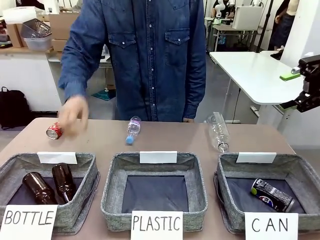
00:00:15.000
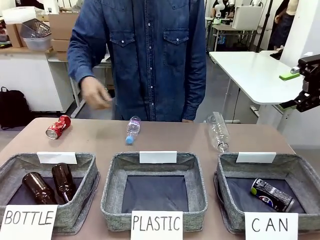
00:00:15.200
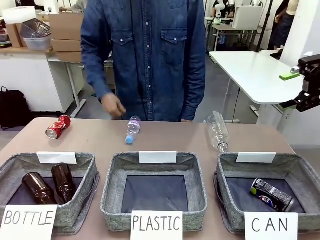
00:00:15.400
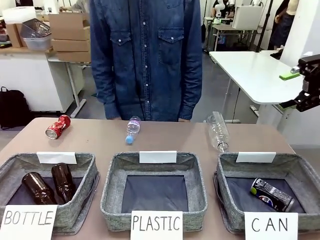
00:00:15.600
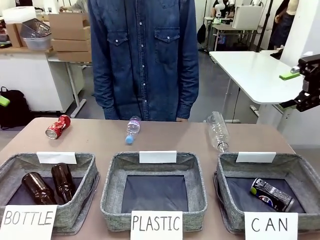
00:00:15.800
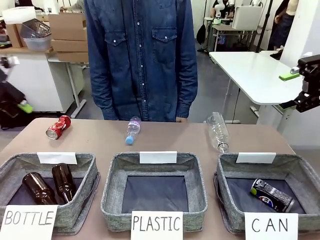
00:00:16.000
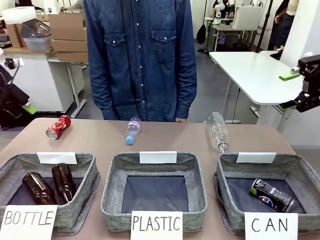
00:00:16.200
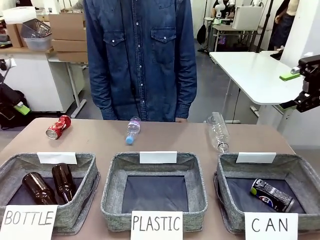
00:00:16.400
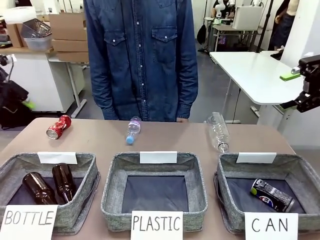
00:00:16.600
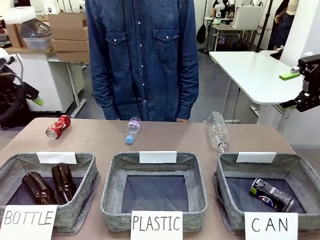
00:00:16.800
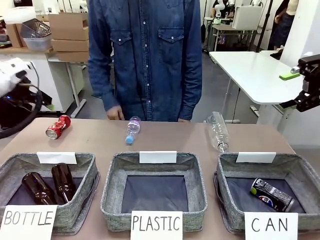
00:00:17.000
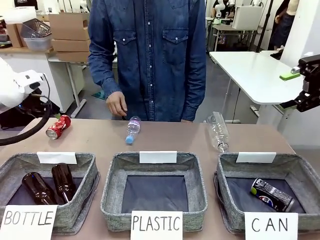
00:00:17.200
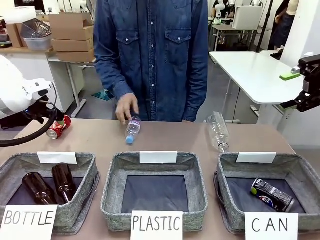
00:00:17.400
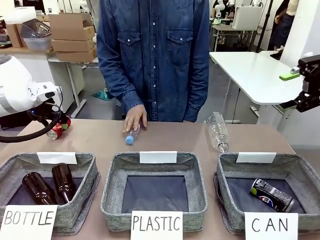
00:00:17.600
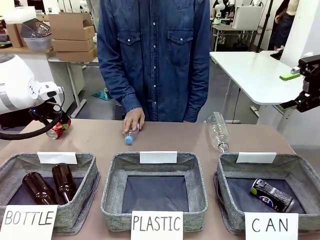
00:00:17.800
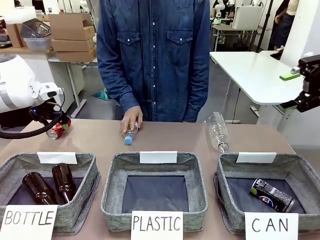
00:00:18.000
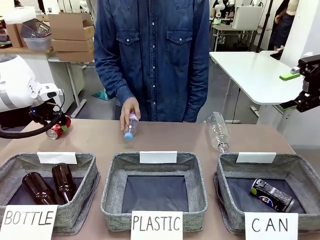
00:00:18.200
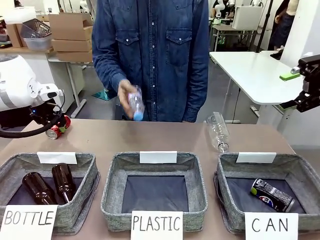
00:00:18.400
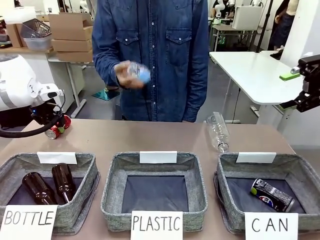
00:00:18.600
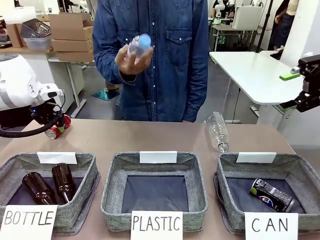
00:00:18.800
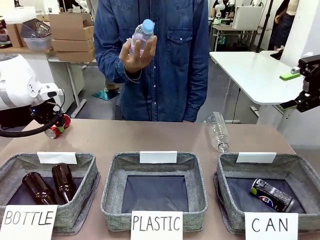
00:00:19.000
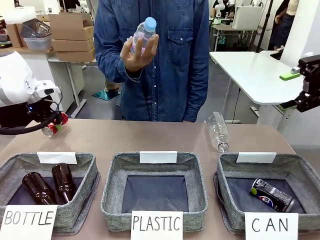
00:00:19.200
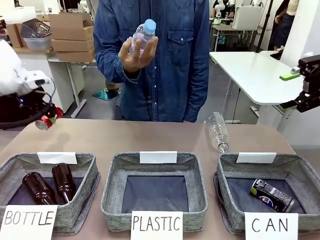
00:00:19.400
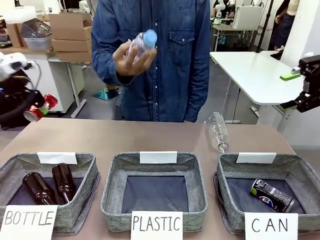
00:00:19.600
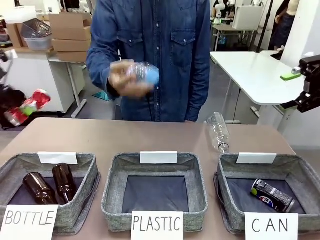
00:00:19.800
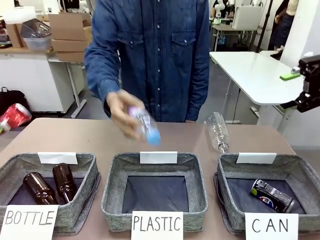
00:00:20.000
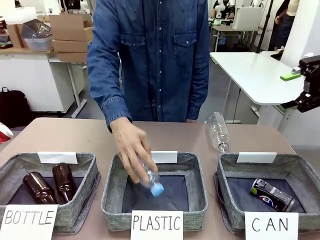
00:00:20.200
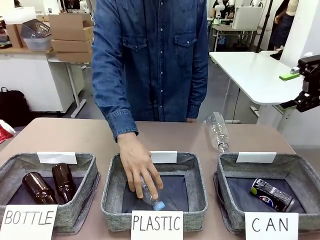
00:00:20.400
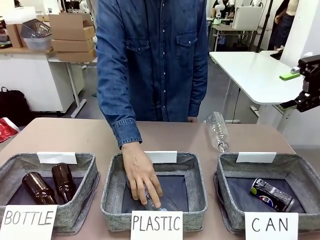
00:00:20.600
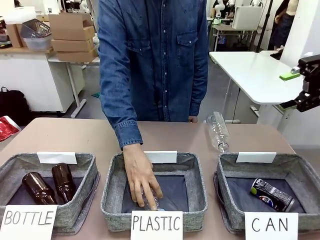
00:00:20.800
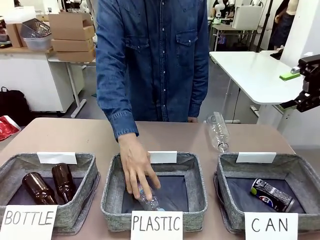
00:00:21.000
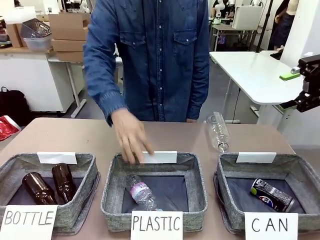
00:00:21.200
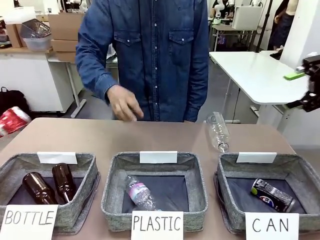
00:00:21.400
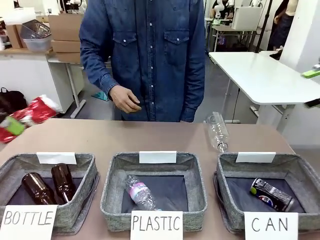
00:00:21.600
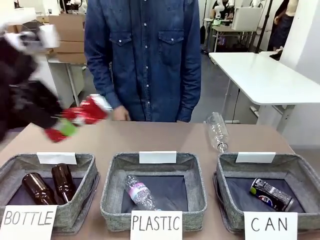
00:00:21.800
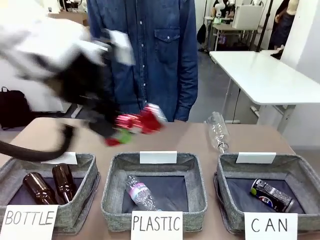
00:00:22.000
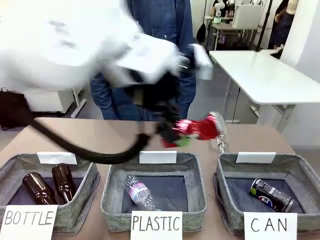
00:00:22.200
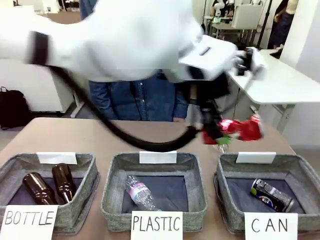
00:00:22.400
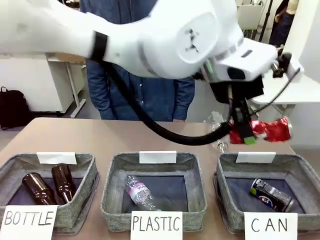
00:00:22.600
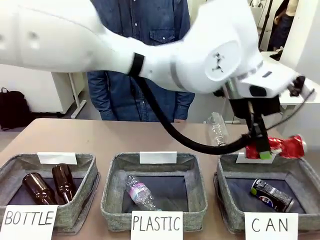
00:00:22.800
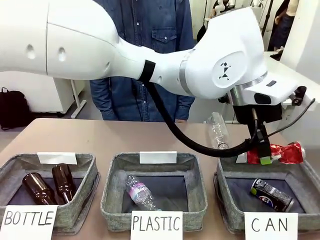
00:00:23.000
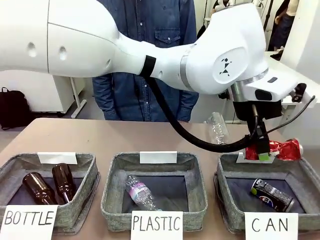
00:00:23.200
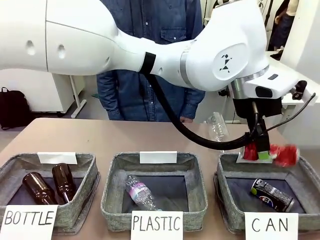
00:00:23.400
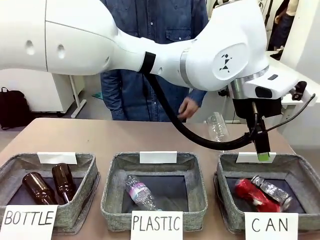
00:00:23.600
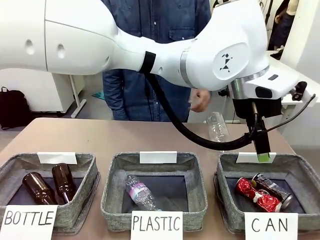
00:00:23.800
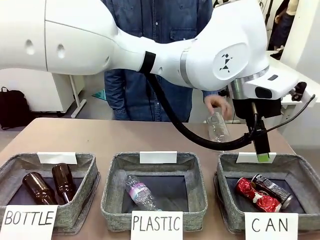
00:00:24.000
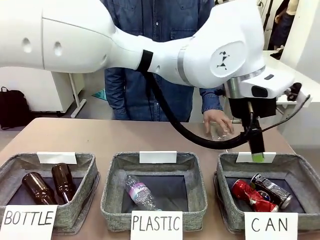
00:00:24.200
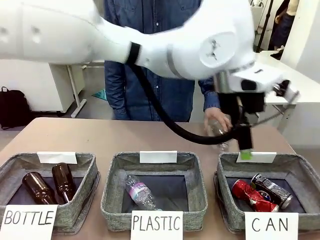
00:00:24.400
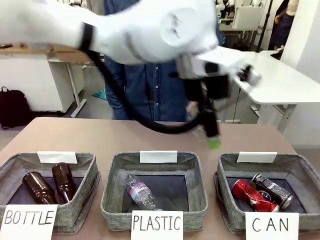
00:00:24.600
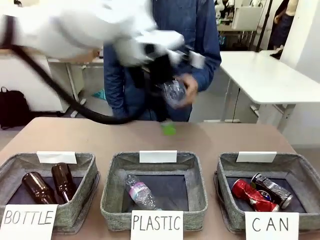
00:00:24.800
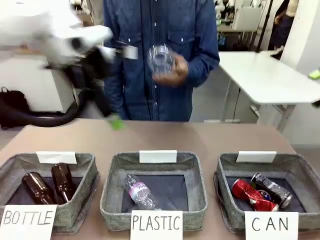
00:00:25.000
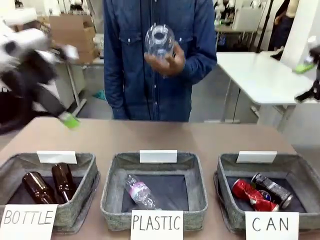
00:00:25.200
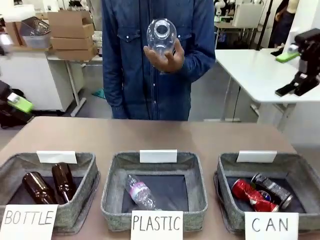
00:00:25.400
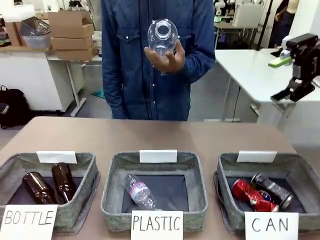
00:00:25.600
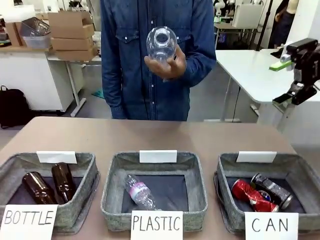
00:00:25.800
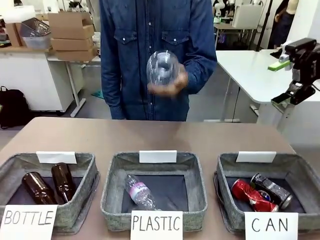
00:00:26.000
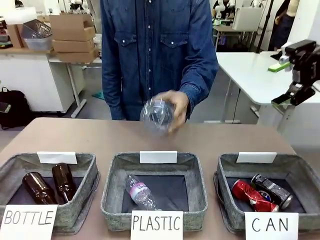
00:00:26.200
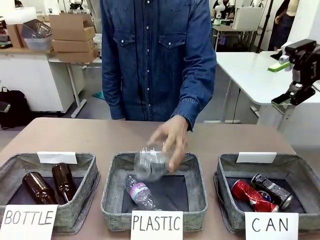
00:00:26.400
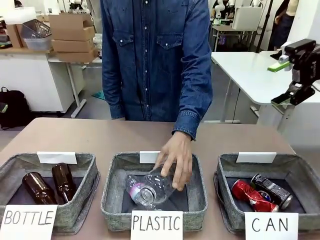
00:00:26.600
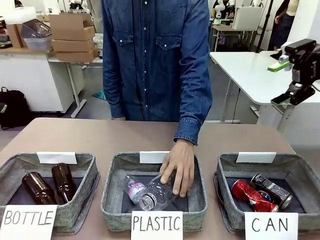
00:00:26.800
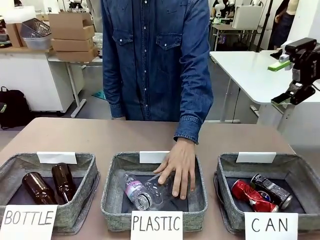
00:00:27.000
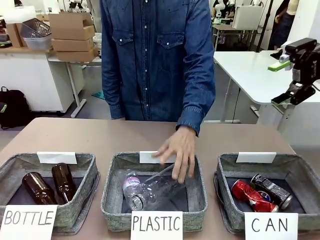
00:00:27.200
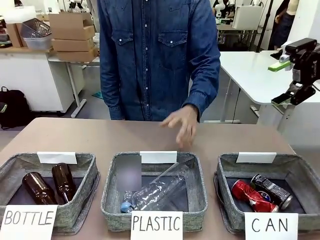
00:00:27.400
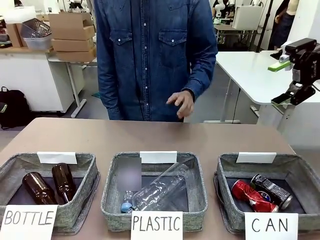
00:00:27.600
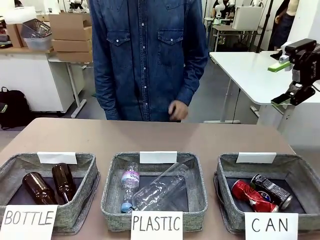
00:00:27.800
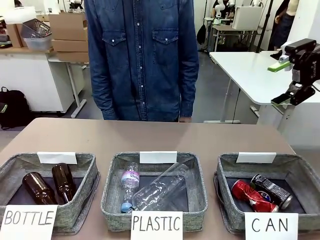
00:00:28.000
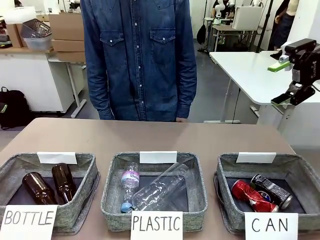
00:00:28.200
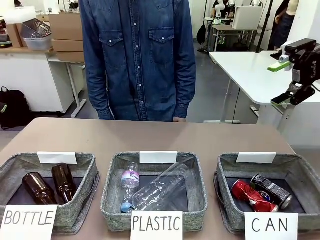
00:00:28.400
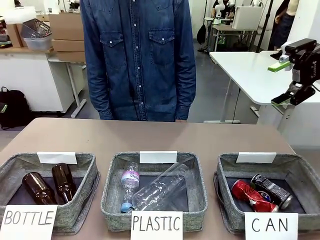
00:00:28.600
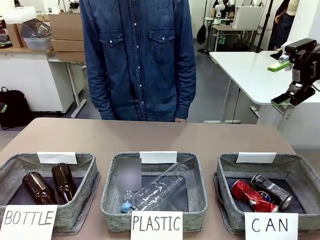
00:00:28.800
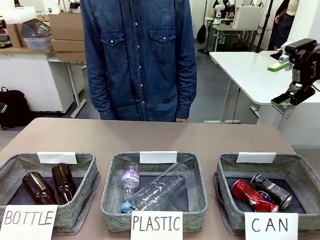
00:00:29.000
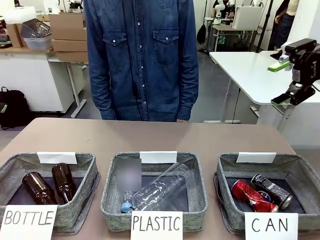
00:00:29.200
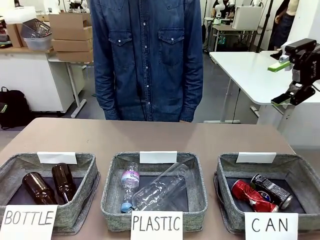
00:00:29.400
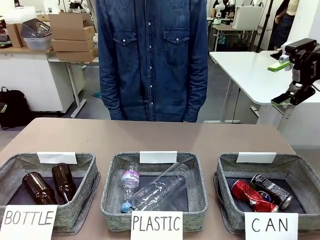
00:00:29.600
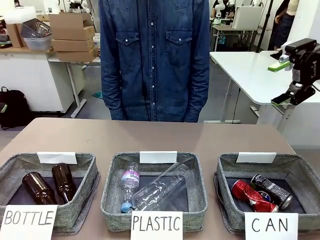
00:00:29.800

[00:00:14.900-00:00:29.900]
Task: Sort the can waste into the basket.
Robot: Pick up the can waste from the table and place it in the right Fabric basket.
Person: The human picks up one piece of trash that is not a can and places the trash into the appropriate organizing basket.

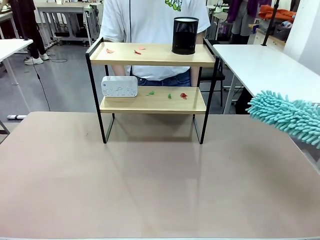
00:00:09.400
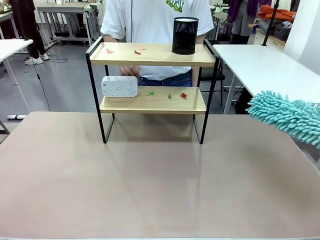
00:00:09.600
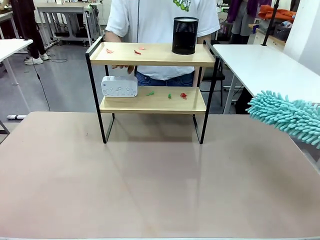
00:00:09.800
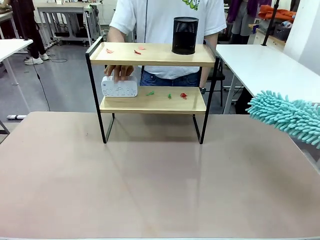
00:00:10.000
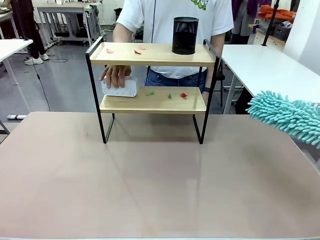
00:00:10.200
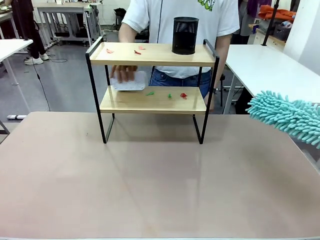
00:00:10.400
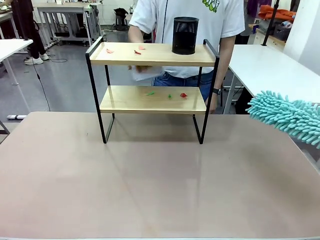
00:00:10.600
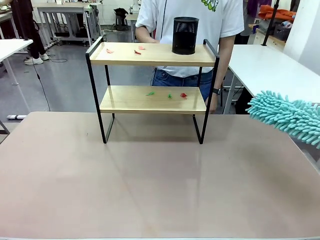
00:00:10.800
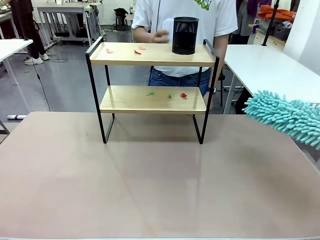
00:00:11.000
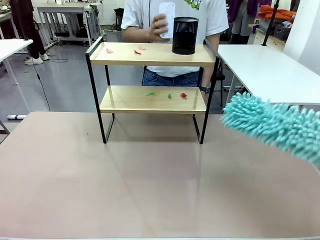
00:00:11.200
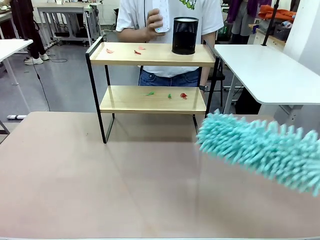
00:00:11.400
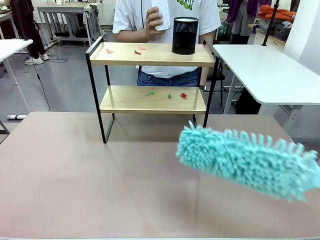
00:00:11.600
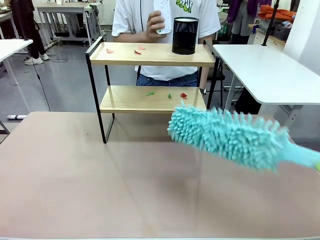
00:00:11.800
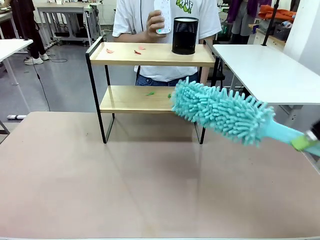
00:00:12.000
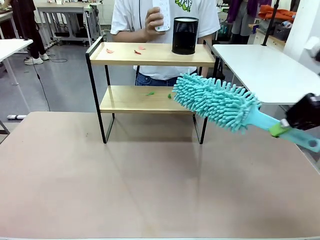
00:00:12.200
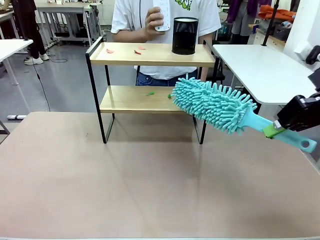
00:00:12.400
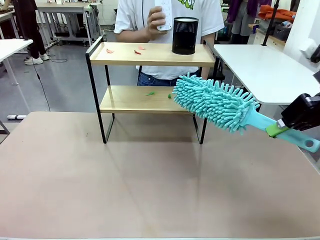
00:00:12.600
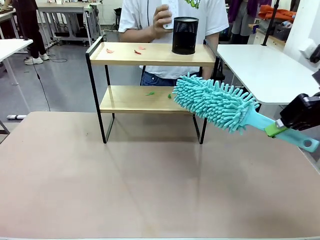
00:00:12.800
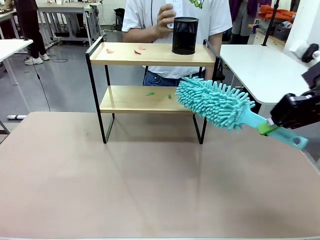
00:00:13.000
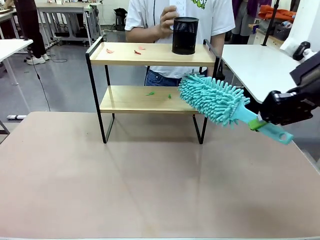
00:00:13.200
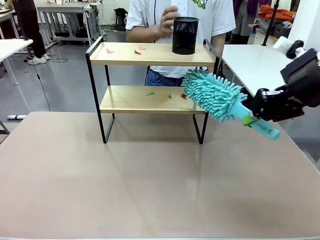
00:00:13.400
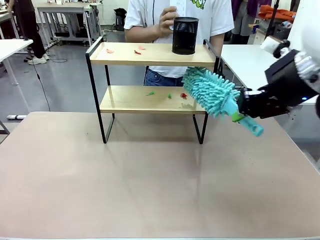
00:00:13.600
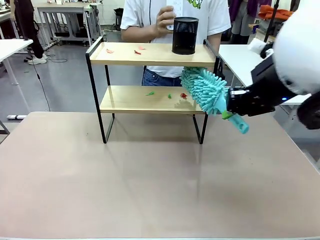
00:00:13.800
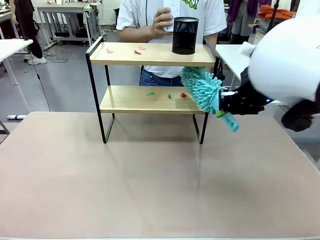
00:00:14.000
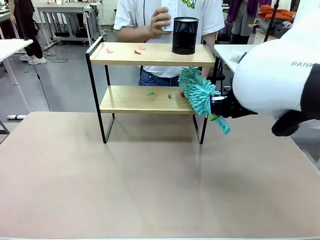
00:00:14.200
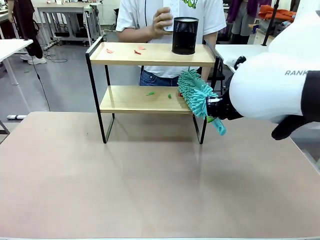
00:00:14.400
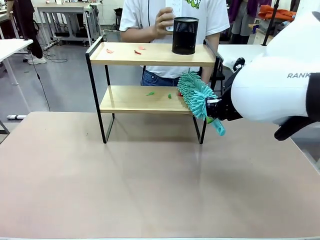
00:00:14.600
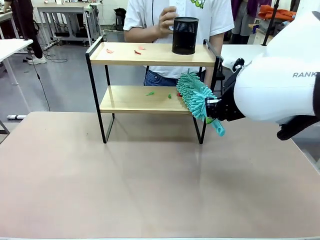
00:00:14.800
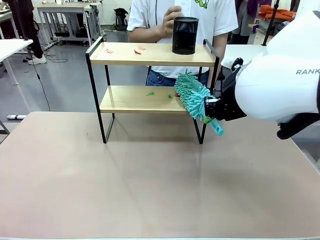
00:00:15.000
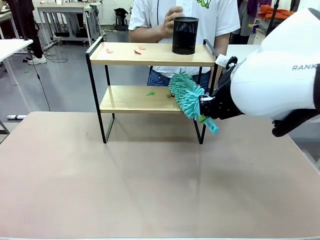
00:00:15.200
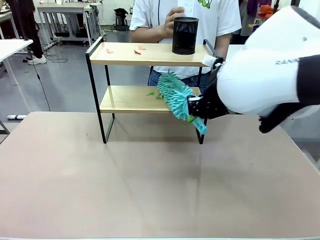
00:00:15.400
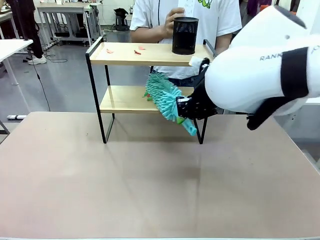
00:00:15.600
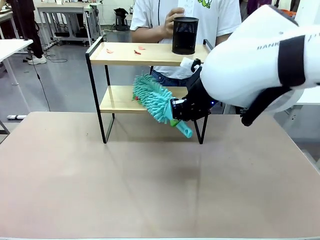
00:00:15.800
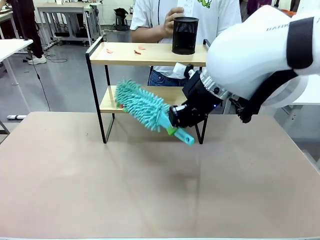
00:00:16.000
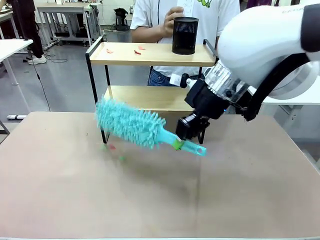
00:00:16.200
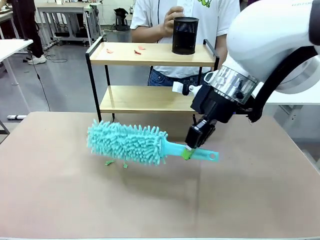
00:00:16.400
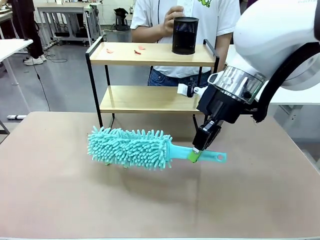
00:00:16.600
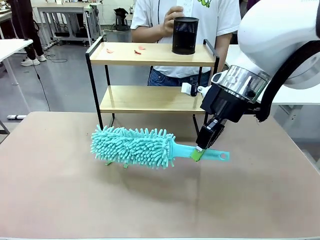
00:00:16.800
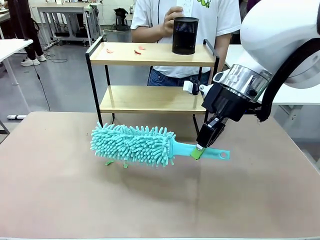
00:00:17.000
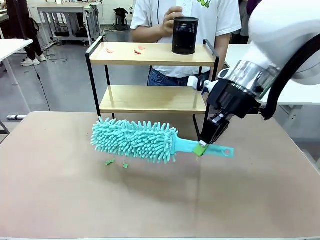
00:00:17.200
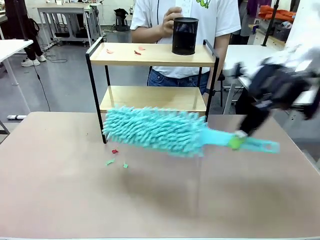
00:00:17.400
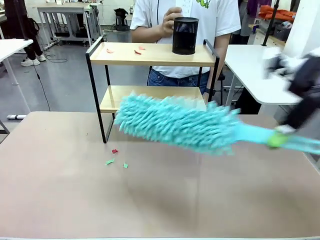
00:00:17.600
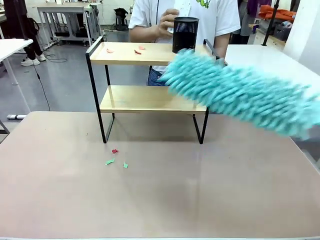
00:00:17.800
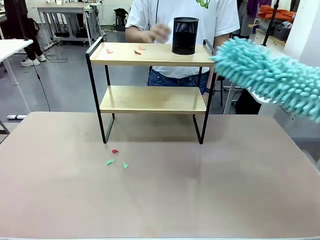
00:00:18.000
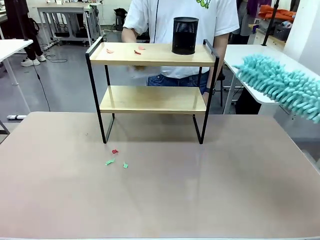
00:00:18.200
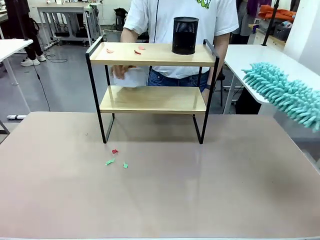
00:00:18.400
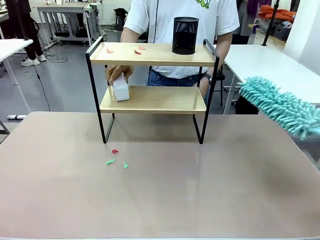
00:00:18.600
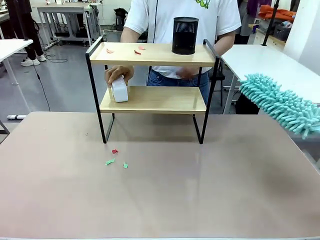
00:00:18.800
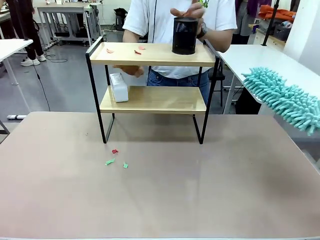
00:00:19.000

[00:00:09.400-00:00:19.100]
Task: Clean the shelf.
Robot: Clean the specific tier of the Shelf with the Duster once objects are removed.
Person: Lift the objects on a randomly selected tier of the Shelf. Once the robot finishes cleaning, lift the objects on the remaining tiers of the Shelf.
